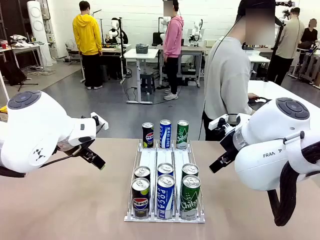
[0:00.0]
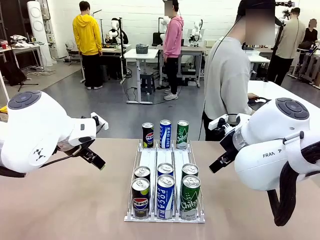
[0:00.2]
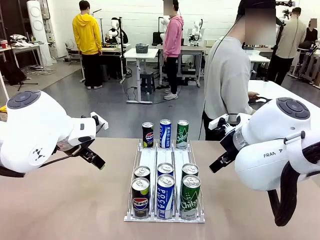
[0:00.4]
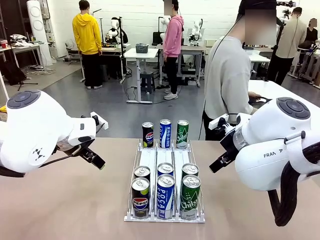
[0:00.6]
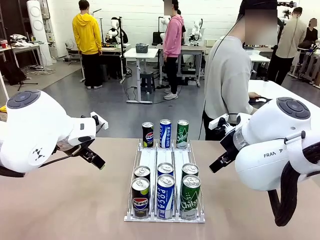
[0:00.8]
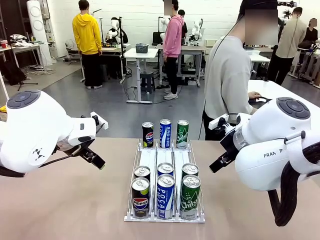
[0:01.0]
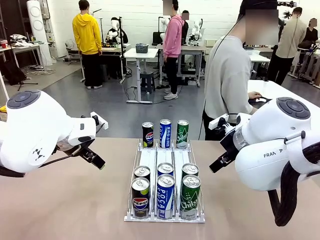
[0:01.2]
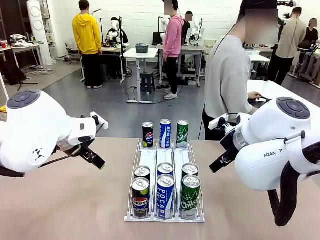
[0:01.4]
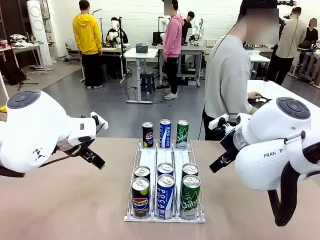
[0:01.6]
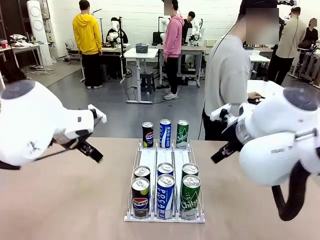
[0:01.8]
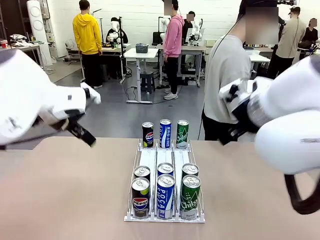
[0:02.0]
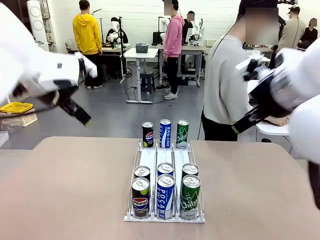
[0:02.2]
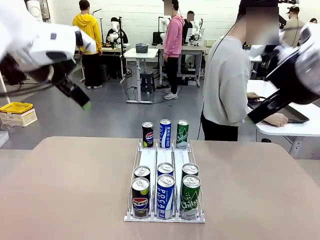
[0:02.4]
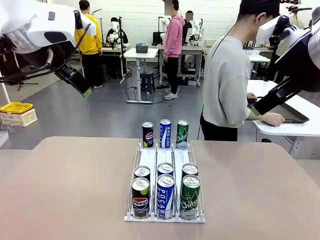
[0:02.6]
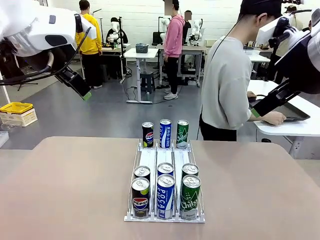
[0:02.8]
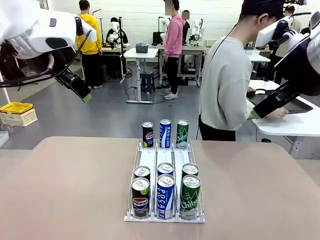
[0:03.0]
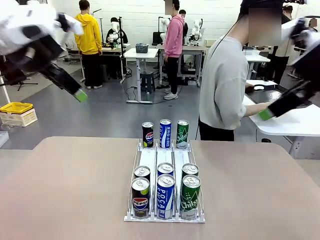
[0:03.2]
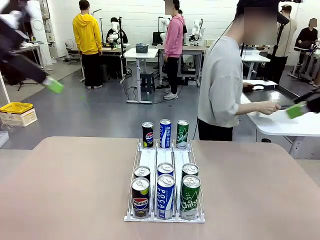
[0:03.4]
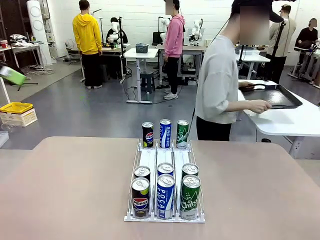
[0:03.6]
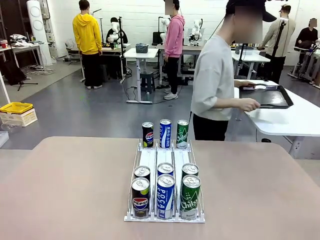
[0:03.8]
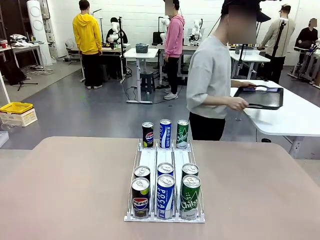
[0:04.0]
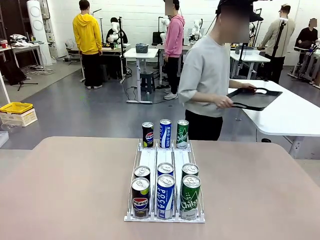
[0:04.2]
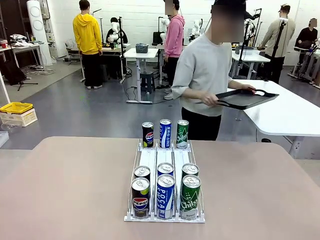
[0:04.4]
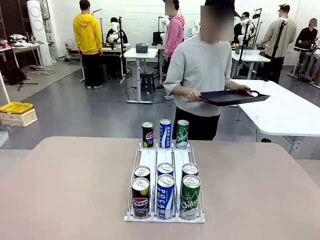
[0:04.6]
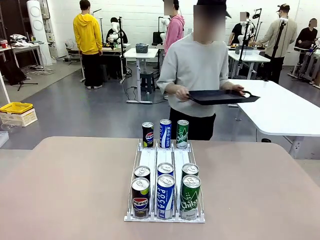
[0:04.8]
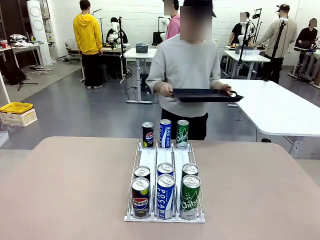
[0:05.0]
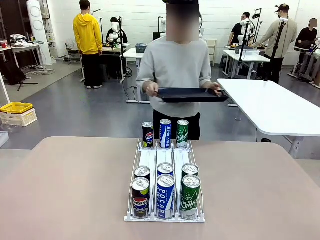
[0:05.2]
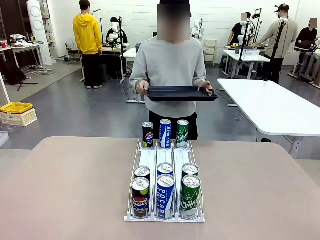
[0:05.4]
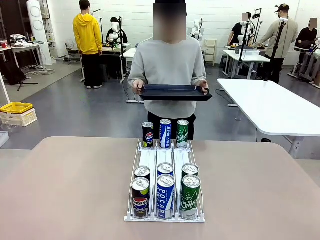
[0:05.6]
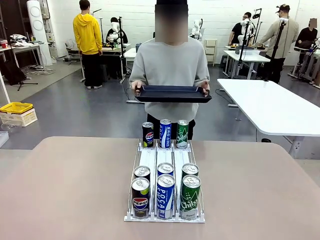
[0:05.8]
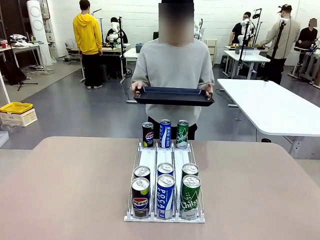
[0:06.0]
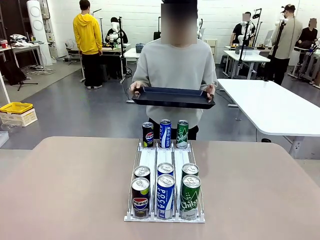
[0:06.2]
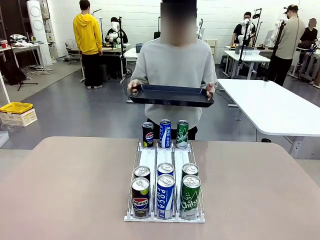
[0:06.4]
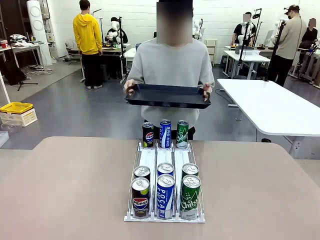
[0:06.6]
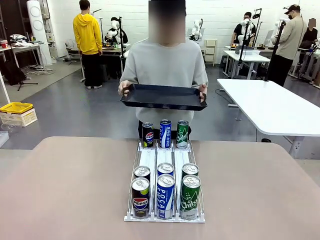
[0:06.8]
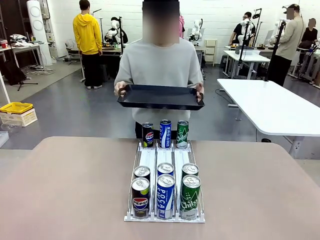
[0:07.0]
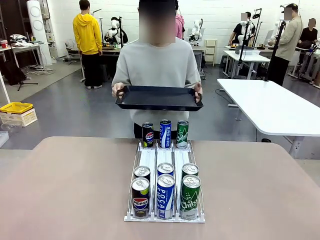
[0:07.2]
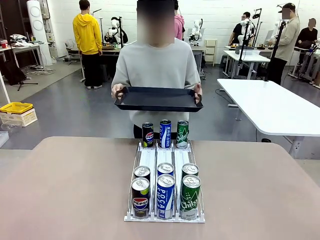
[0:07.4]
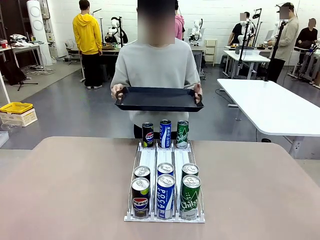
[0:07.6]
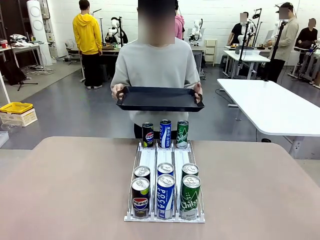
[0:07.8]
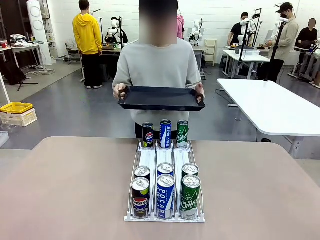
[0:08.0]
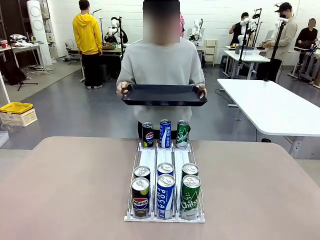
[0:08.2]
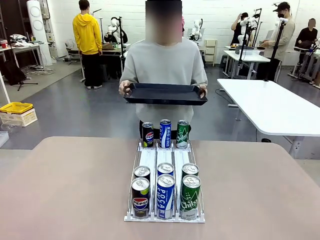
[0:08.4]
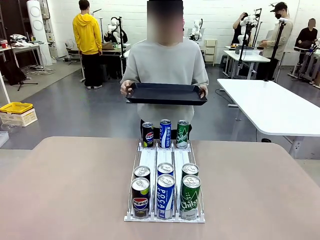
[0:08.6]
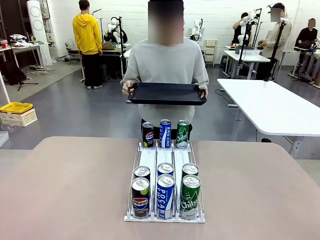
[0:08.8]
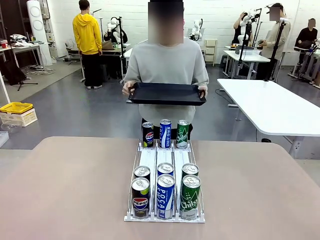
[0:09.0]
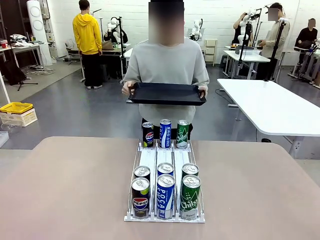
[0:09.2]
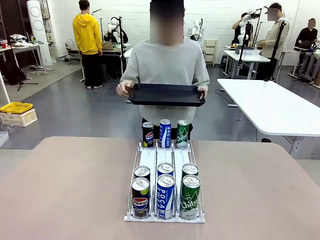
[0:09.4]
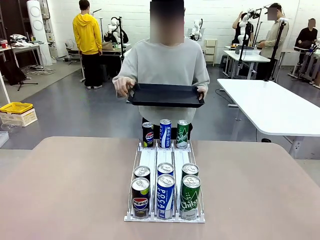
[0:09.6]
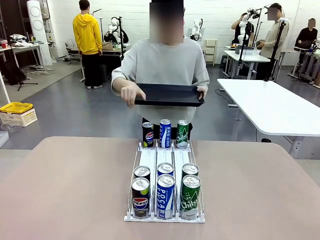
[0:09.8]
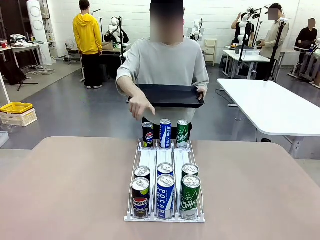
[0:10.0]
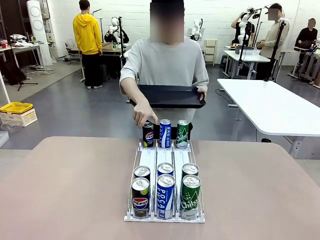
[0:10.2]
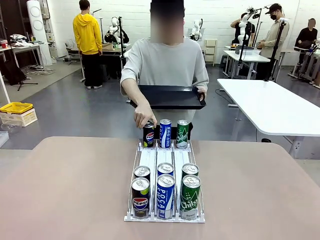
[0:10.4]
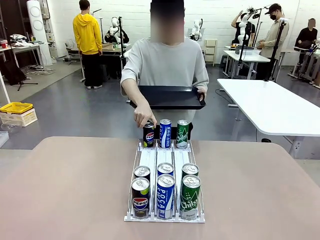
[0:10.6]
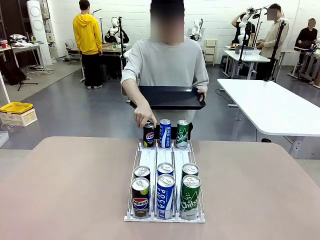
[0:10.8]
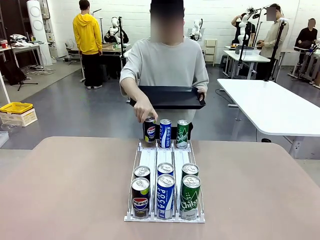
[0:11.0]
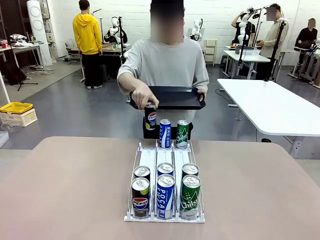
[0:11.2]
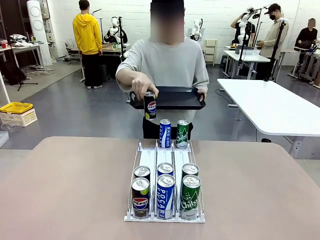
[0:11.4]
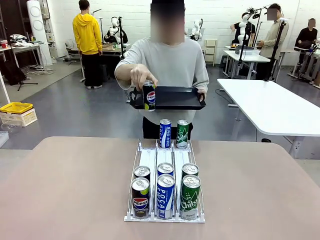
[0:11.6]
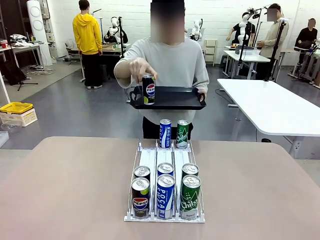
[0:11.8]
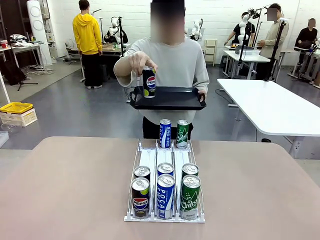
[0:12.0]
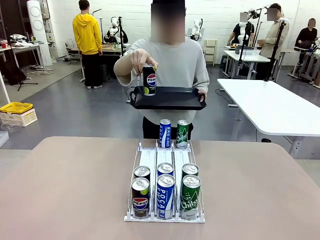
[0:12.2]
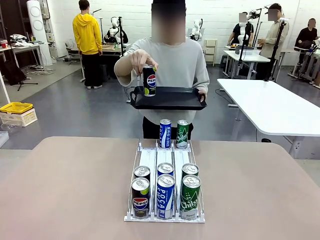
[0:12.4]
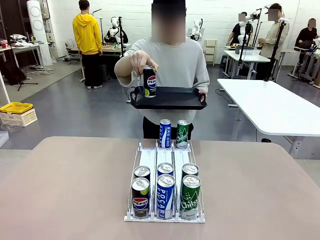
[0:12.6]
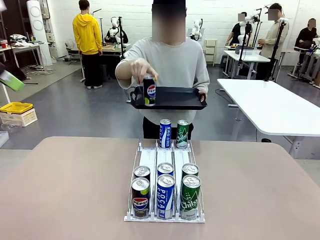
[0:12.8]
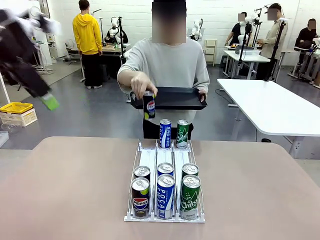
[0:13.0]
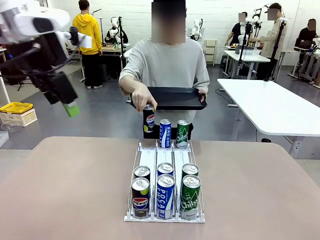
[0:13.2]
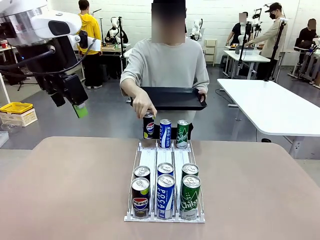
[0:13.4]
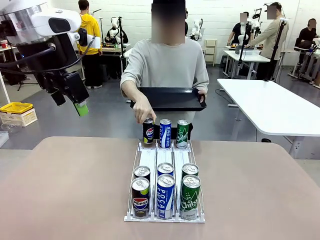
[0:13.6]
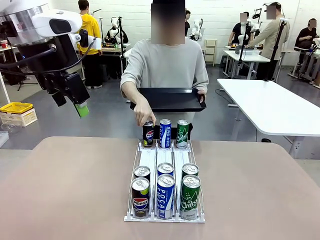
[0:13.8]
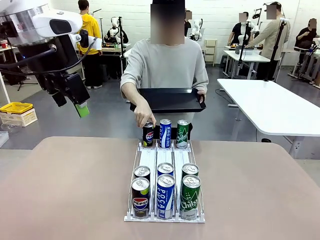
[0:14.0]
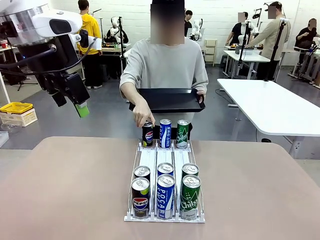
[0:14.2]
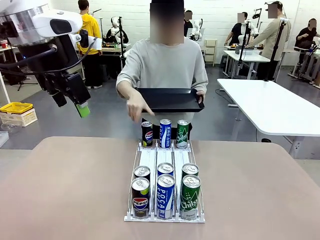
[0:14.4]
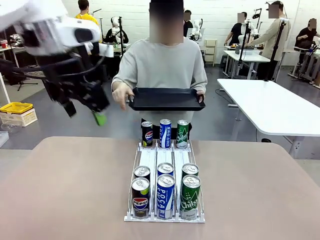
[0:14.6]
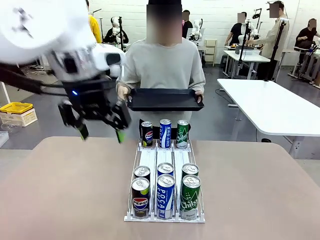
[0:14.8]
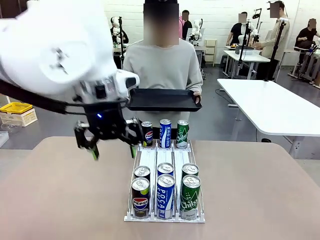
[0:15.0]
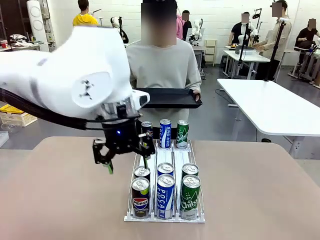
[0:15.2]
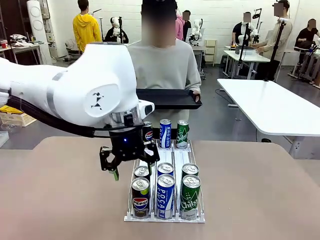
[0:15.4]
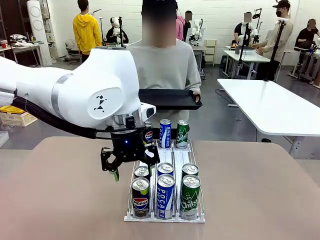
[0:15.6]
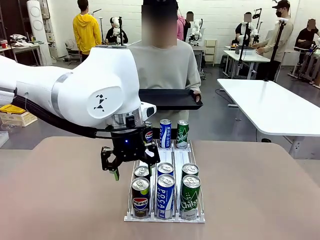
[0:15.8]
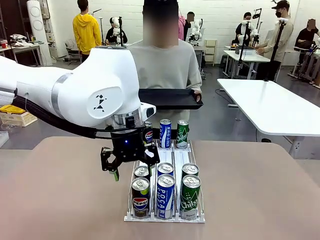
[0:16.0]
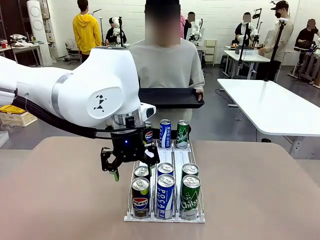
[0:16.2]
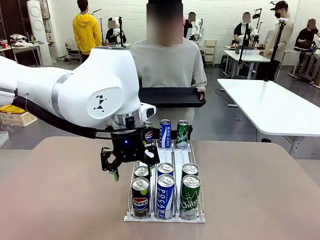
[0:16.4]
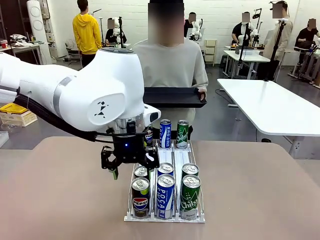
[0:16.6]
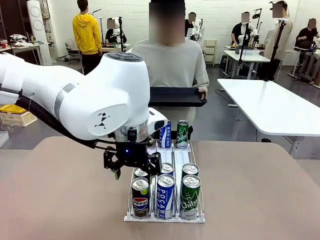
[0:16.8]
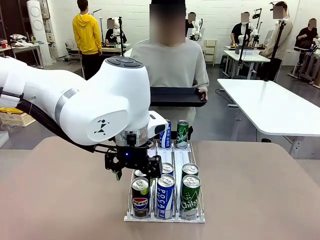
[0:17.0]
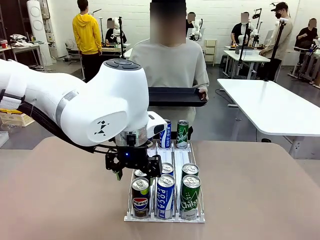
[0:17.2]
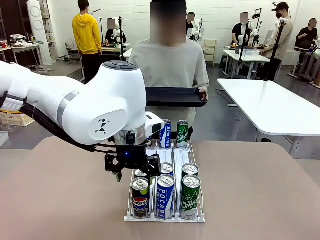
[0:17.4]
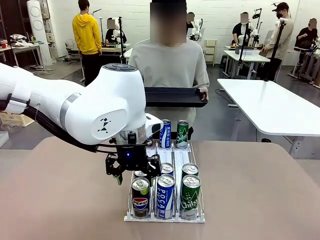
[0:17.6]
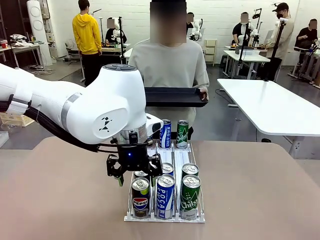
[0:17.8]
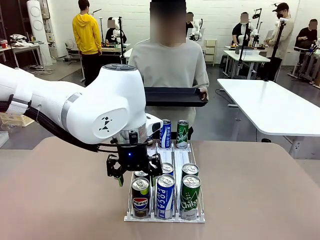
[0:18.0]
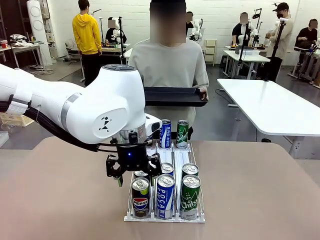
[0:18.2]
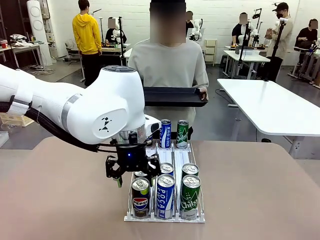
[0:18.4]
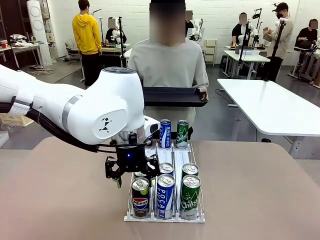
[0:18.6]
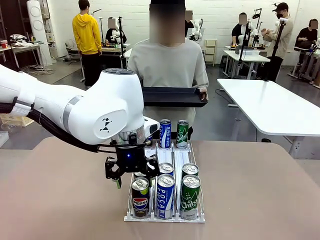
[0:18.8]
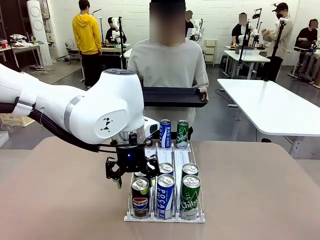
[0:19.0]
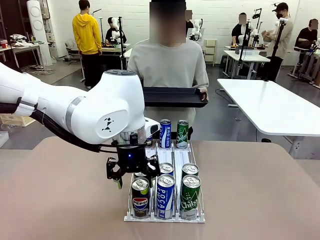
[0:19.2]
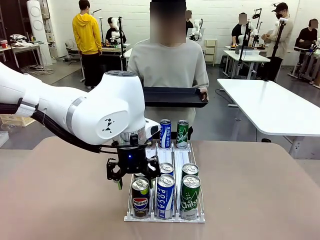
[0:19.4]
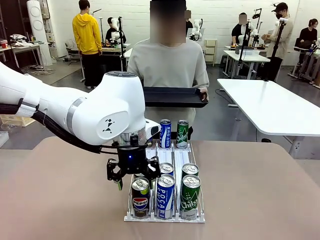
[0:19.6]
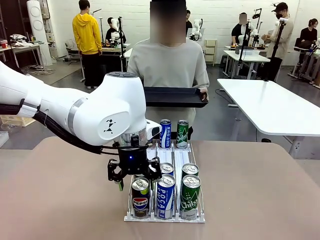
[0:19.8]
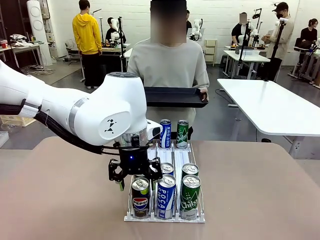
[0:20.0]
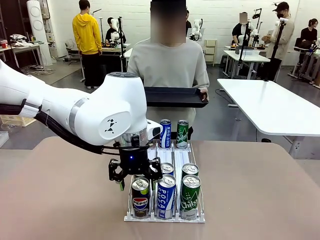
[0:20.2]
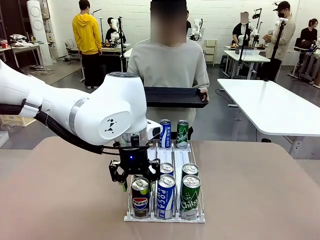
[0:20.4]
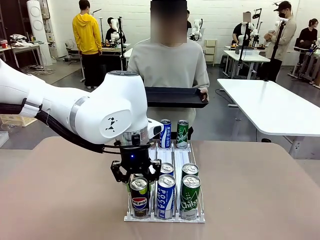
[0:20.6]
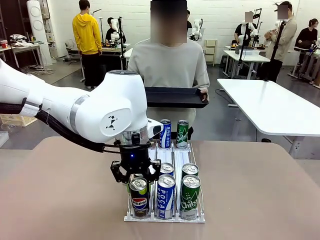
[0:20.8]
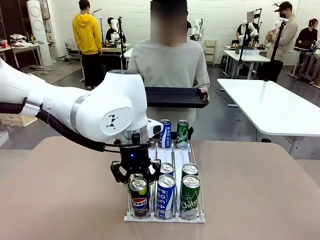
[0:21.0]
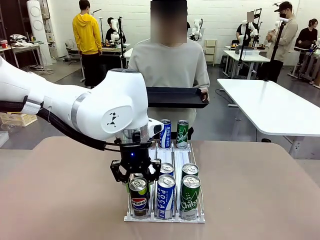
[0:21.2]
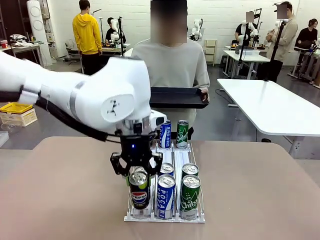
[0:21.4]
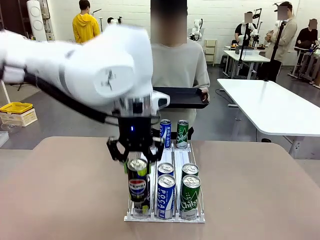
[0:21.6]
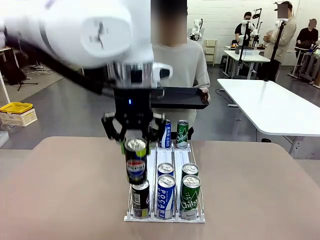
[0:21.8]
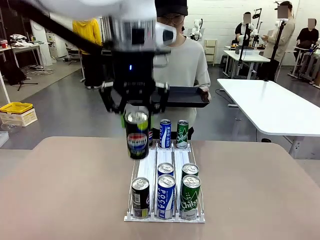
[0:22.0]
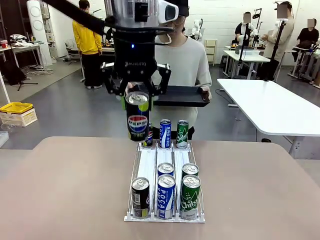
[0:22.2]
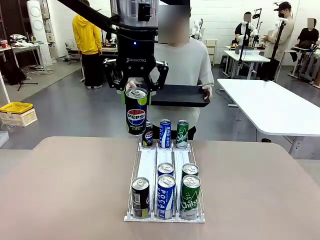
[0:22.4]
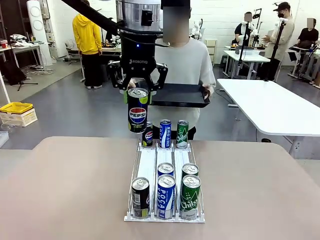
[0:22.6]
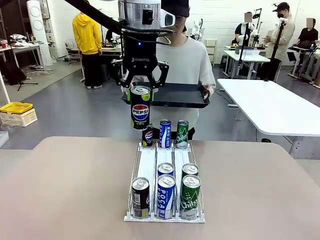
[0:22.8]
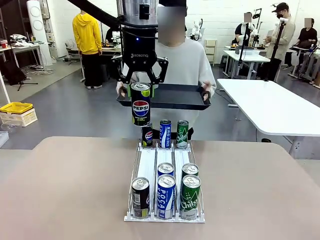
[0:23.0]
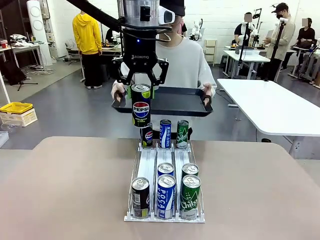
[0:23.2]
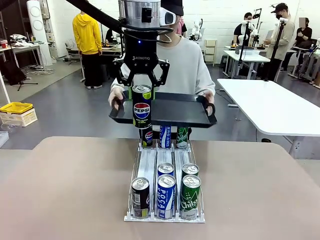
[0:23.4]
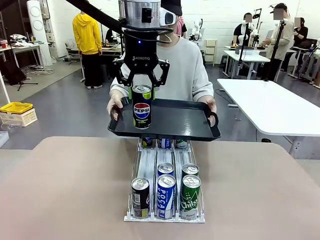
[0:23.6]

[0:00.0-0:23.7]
Task: Retrieve and hand over the desired beverage to the person.
Robot: Pick up a can of the same type that the person held from the Automatic Can Dispenser.
Person: Hold the tray and position yourself in front of the robot table. Pick up one can from the bottom area of the table and puts it back in its original place. Push the tray toward the robot.
